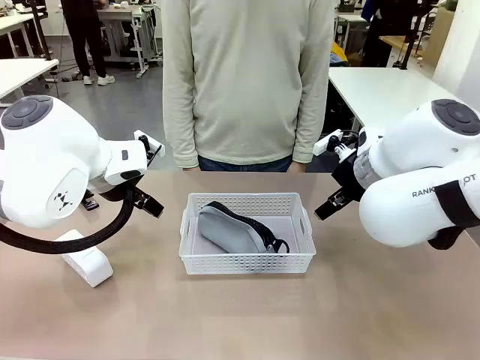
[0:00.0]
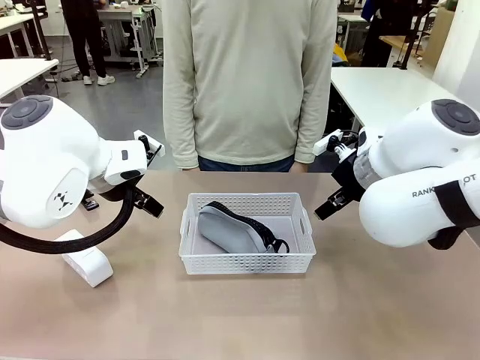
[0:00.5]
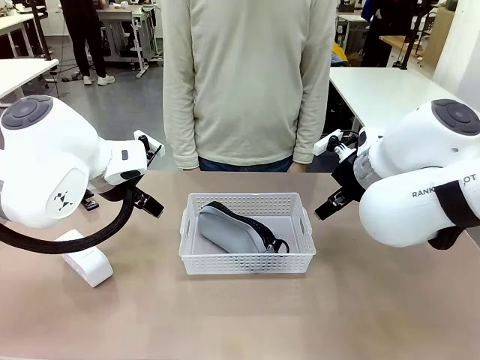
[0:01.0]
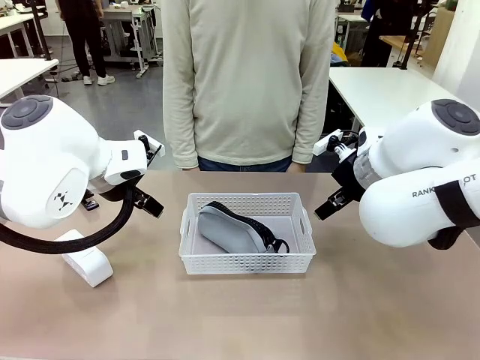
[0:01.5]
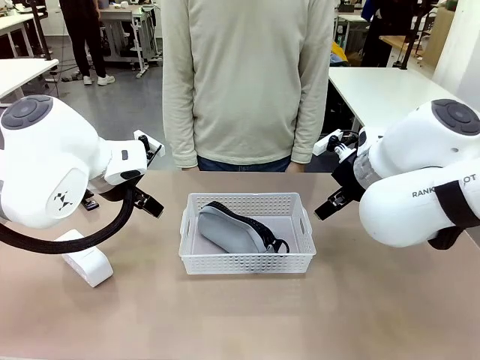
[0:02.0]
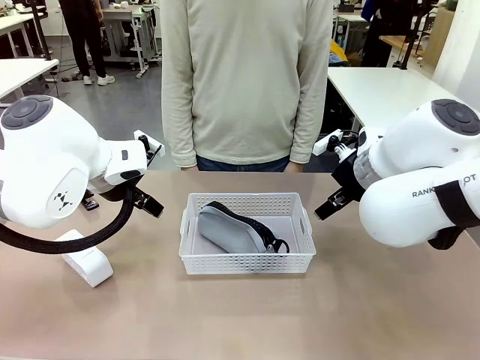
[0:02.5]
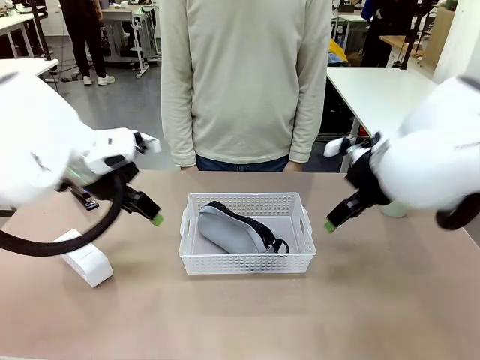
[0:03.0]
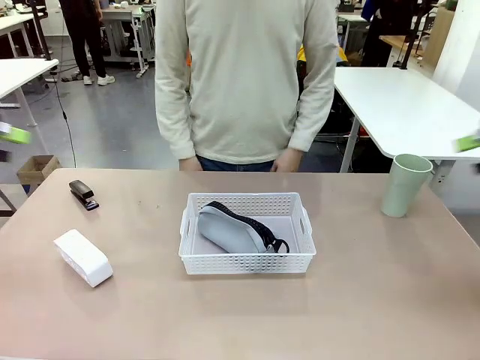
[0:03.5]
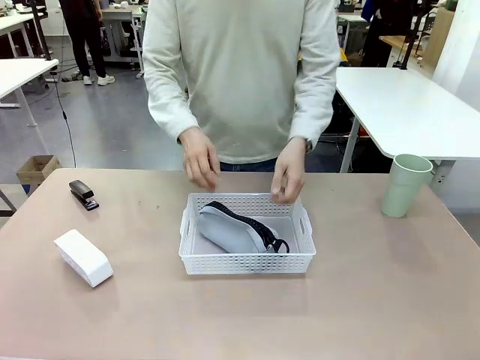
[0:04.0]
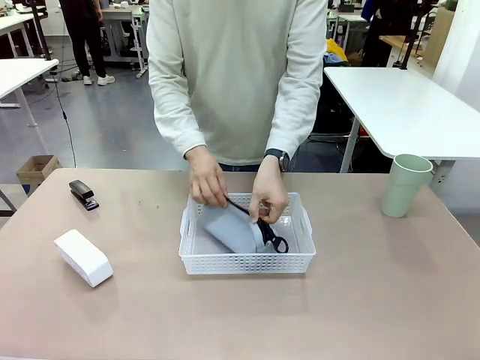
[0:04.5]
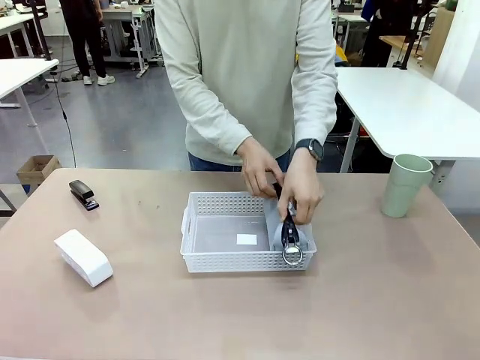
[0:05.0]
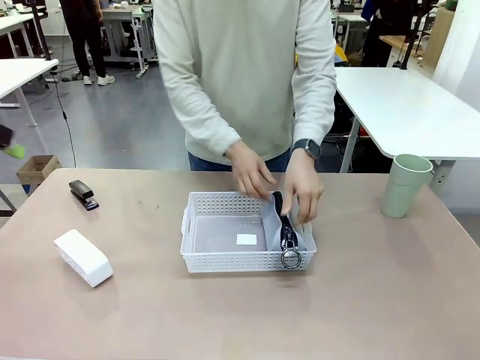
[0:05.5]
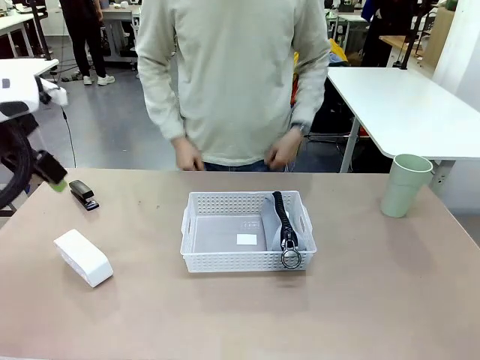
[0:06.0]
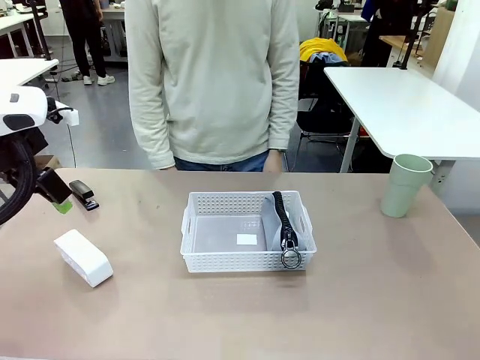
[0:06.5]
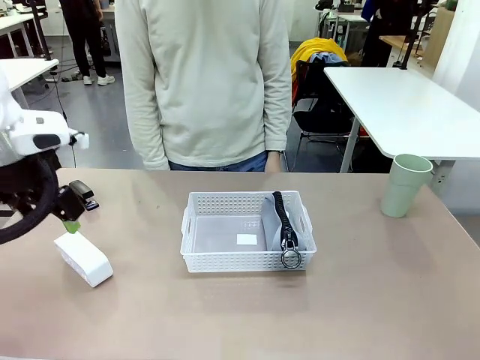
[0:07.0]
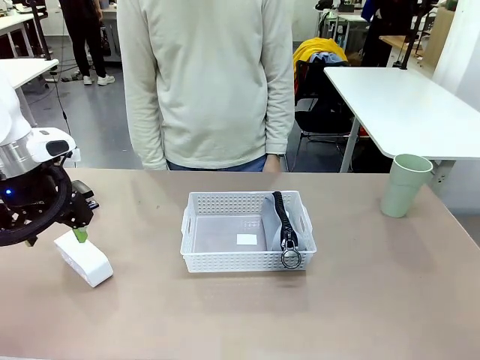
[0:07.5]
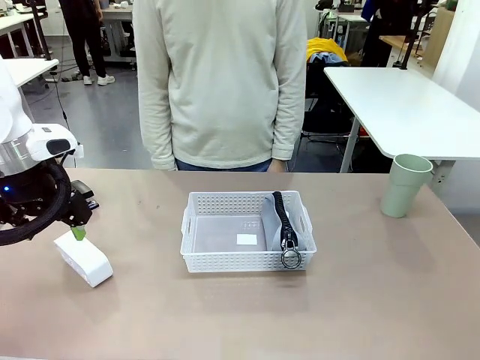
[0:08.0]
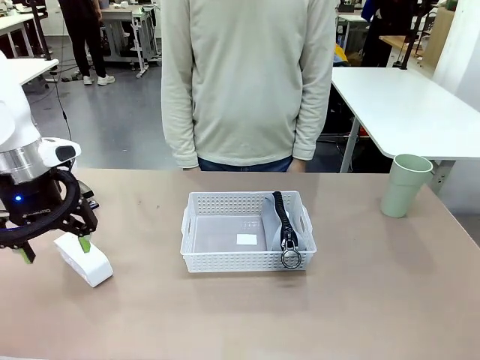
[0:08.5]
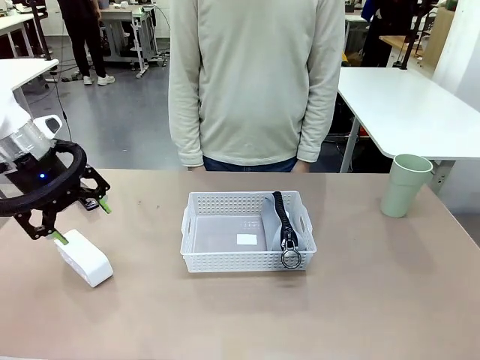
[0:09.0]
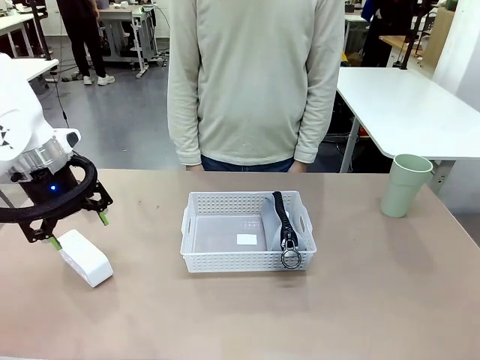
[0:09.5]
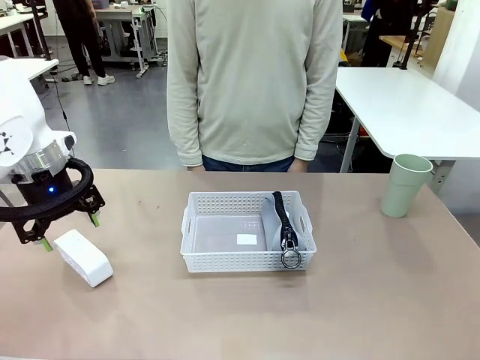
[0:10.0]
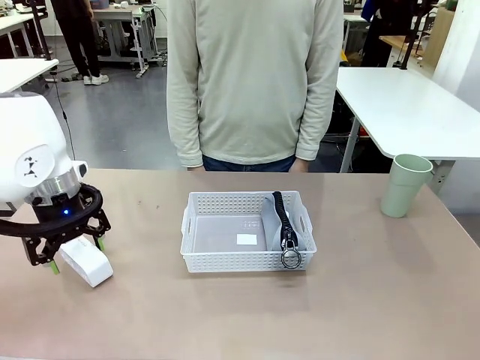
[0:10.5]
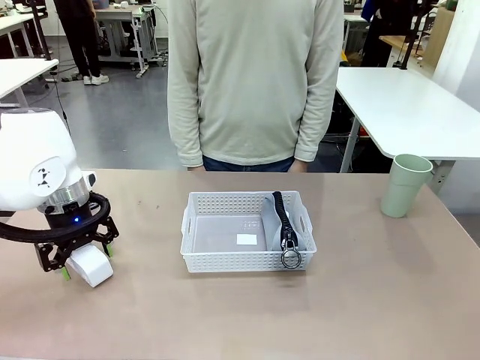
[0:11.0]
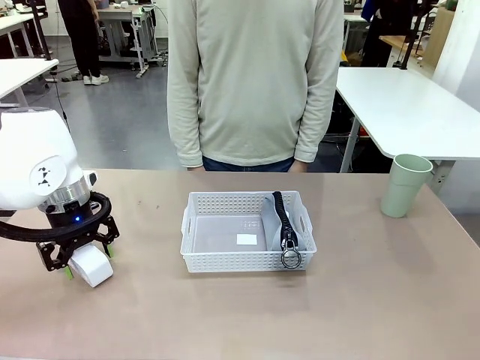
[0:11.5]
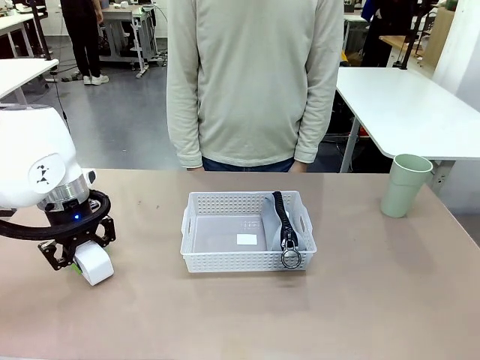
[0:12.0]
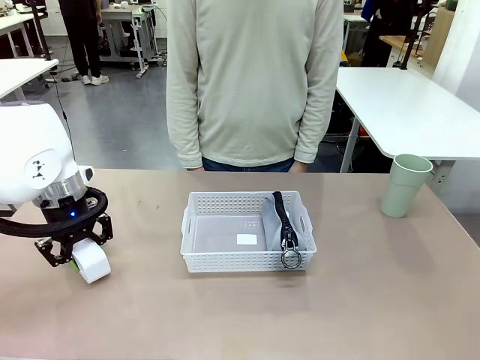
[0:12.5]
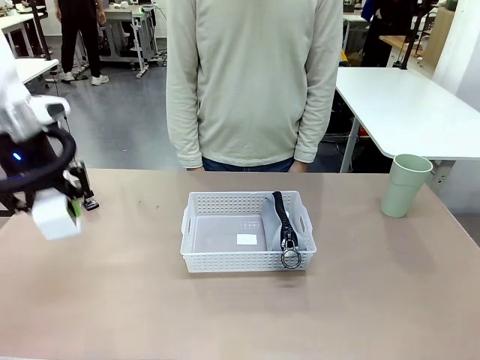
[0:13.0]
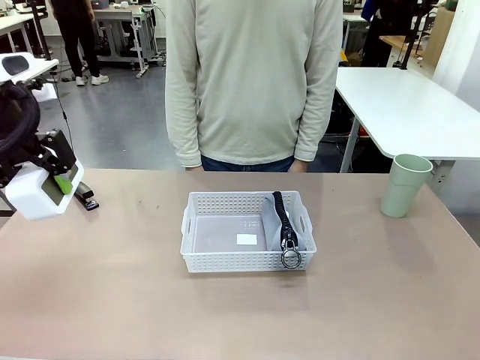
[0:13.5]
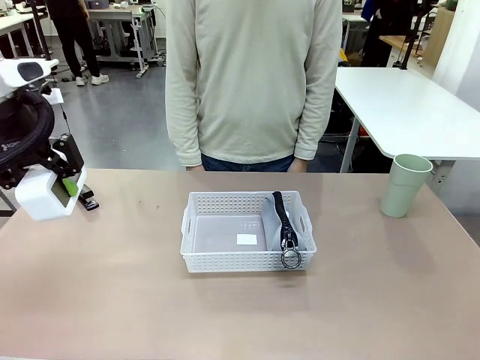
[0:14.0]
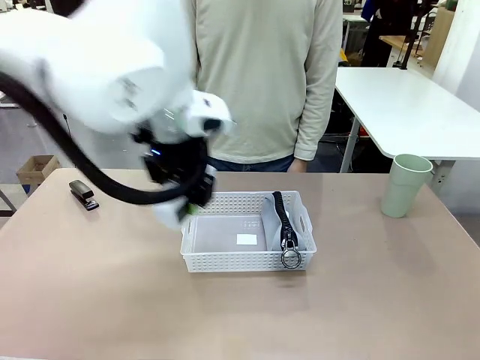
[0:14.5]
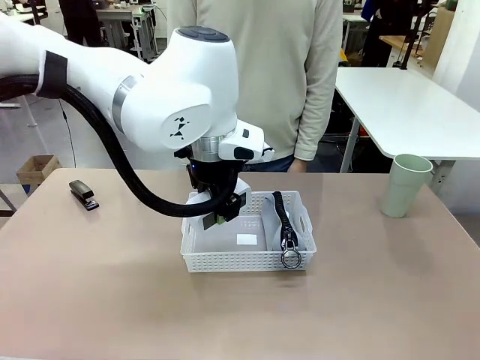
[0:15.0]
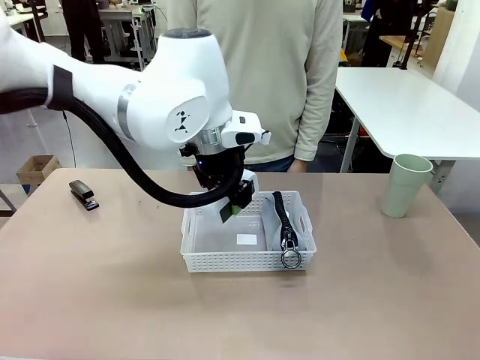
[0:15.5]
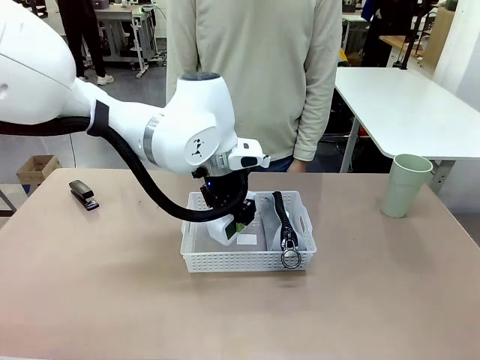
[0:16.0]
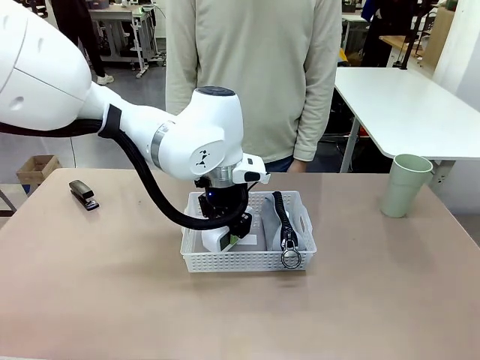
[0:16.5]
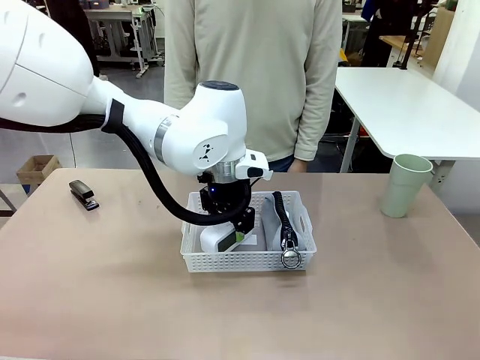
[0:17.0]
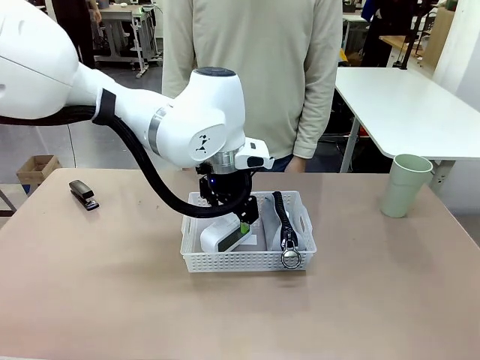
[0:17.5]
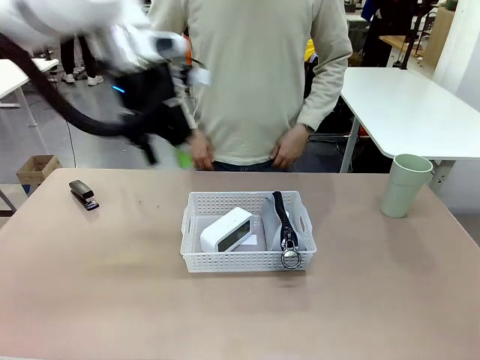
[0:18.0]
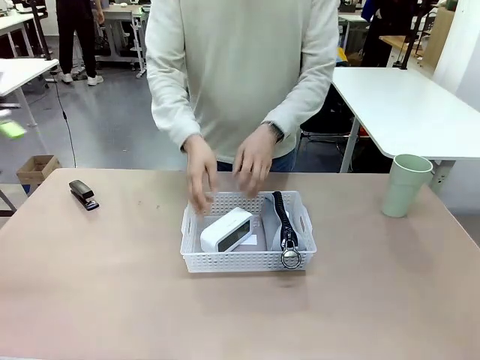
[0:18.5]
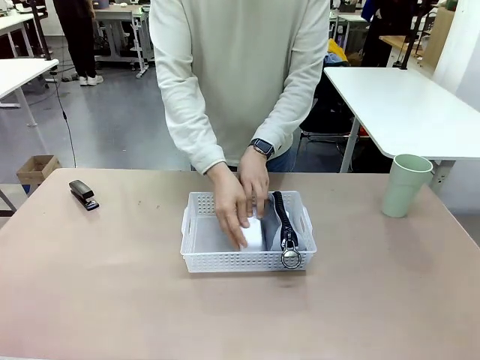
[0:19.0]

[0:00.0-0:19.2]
Task: Efficiently arrange items inside the basket to fit them all.
Robot: Pick up the Digital clock and place it inside the Organizing basket.
Person: Repositions the pencil case. Repositions the digital clock.

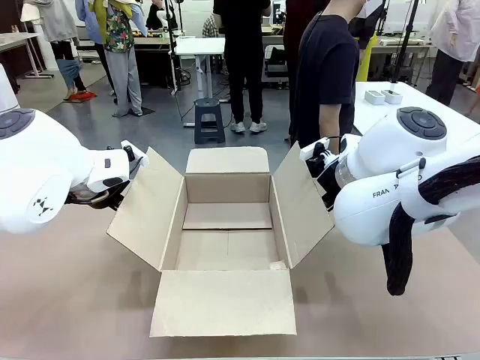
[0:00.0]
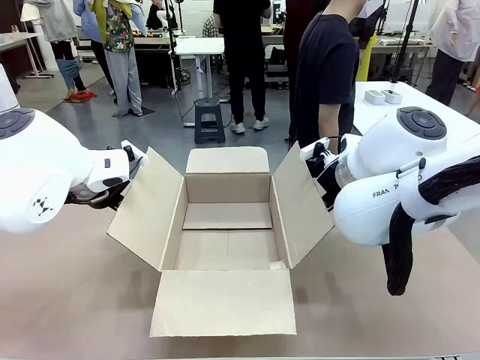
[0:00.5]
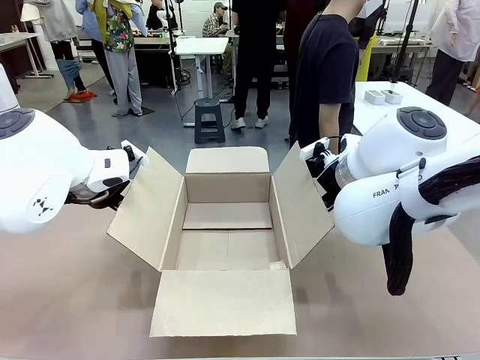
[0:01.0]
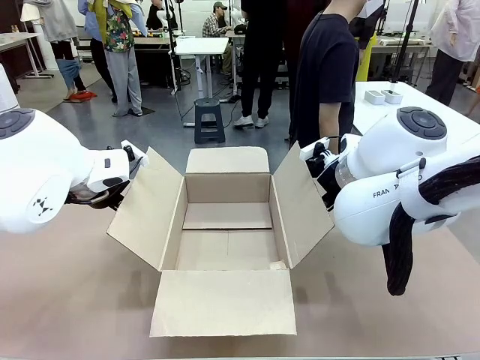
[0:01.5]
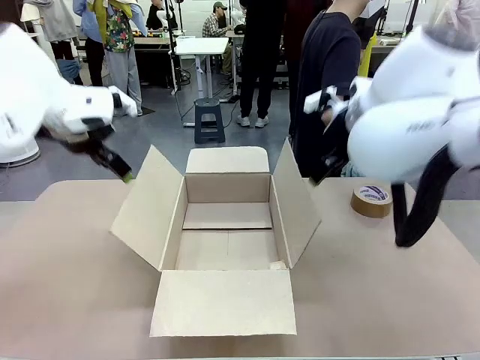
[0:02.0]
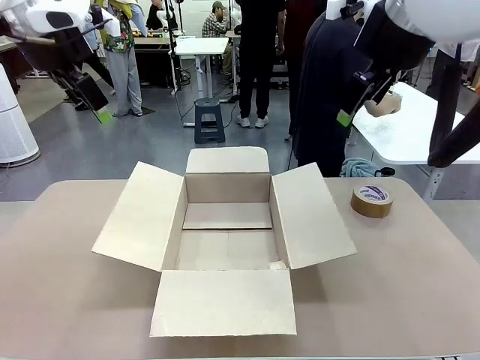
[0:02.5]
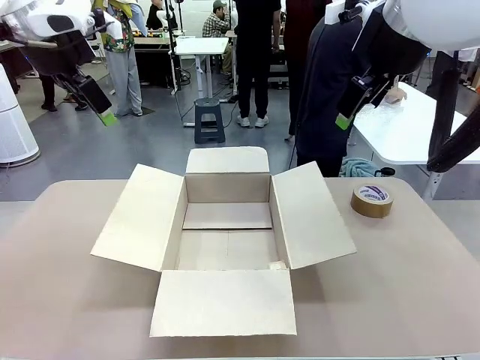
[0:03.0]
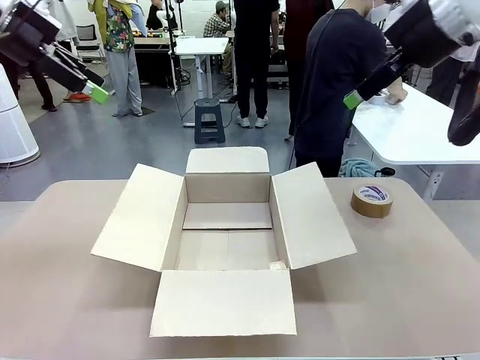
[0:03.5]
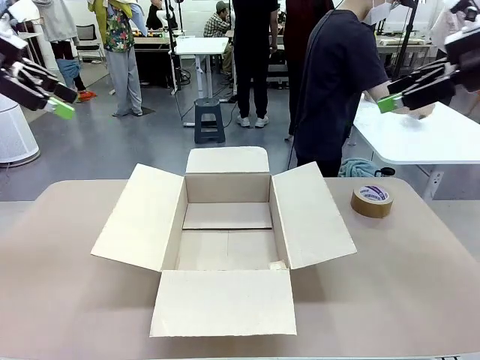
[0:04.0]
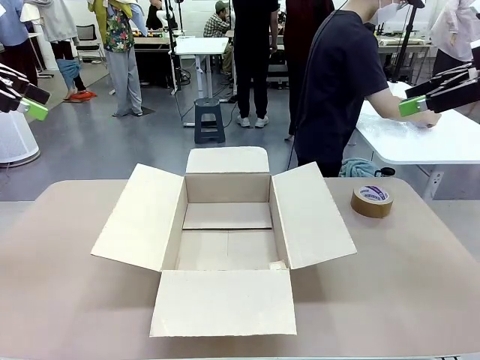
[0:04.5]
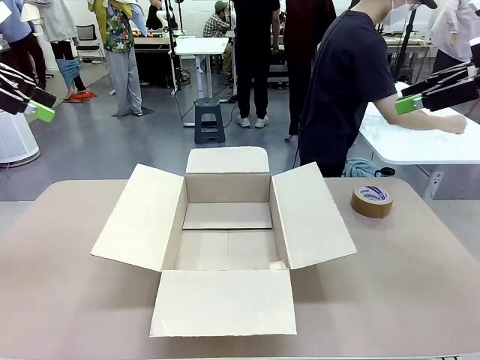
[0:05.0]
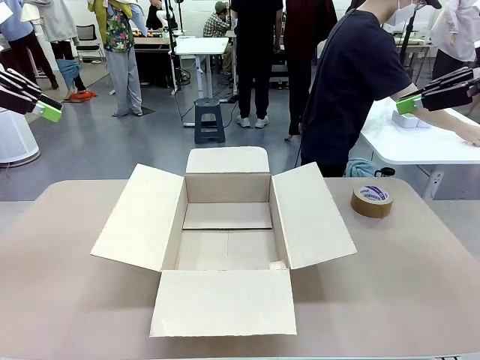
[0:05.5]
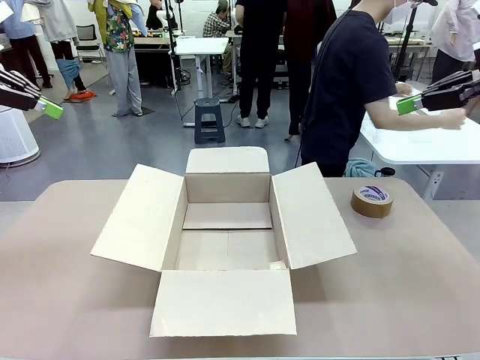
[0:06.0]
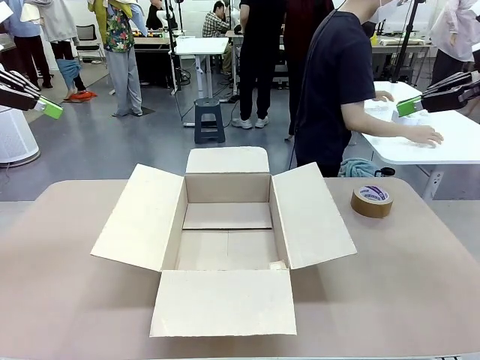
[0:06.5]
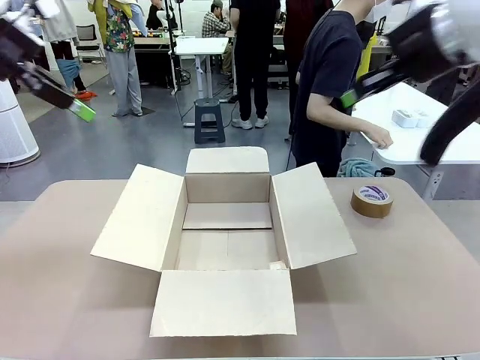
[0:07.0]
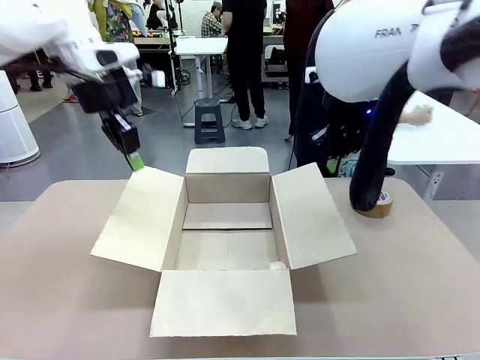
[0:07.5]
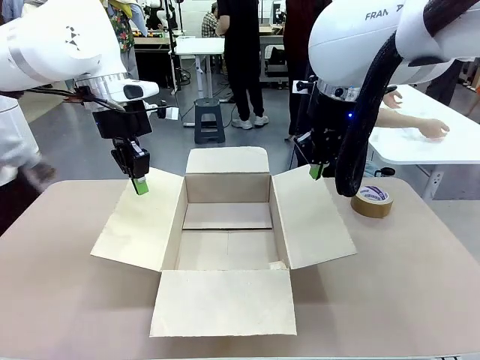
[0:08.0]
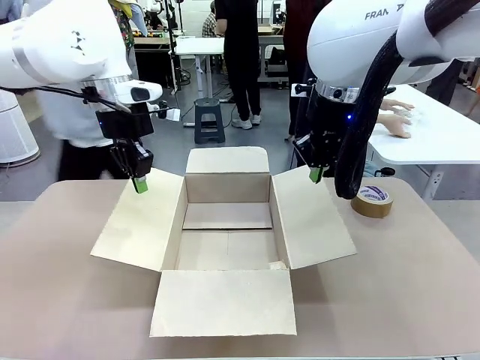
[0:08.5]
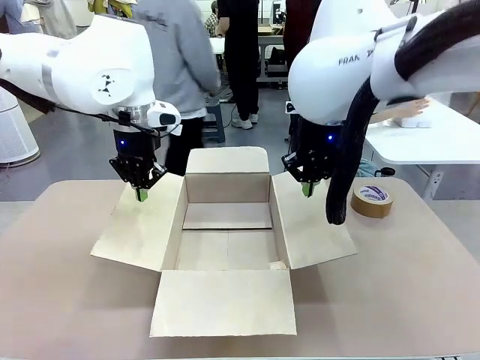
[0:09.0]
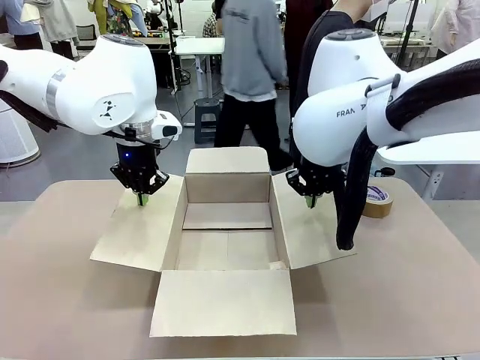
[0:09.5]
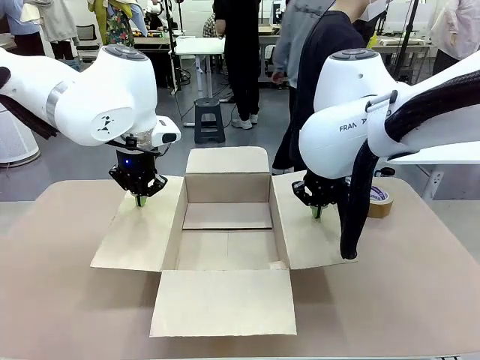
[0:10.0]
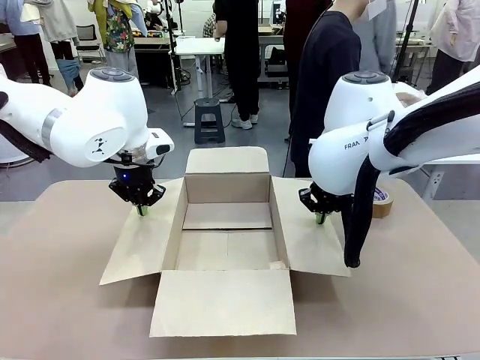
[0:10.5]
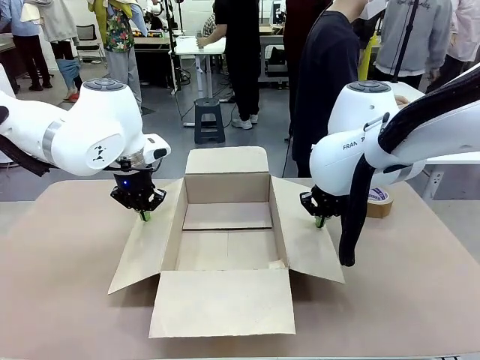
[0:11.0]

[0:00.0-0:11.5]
Task: Wrap the clocks to prevent damage.
Robot: Open the side flaps of the Package Box.
Person: Wrap the two Digital clocks with Bubble Wrap.
